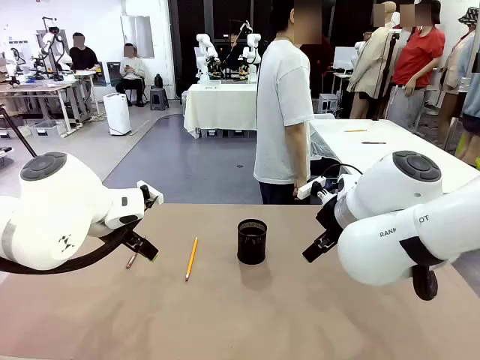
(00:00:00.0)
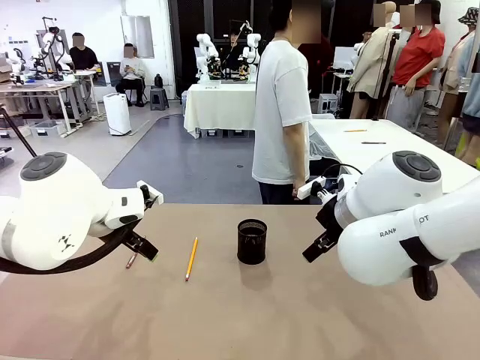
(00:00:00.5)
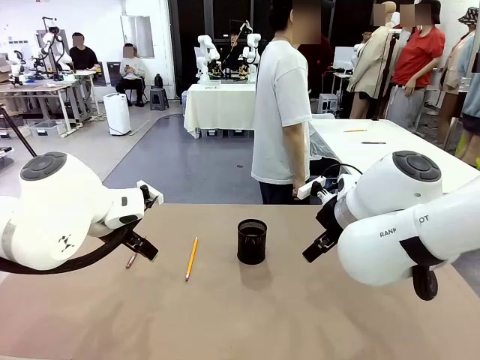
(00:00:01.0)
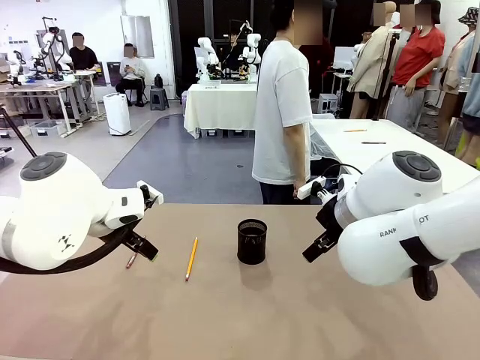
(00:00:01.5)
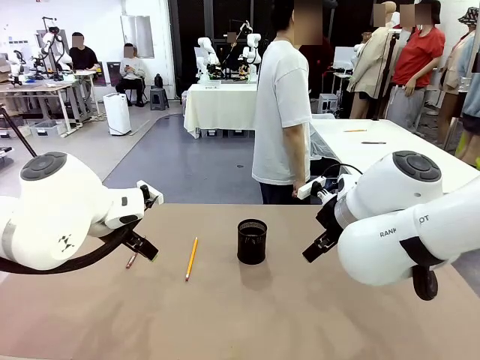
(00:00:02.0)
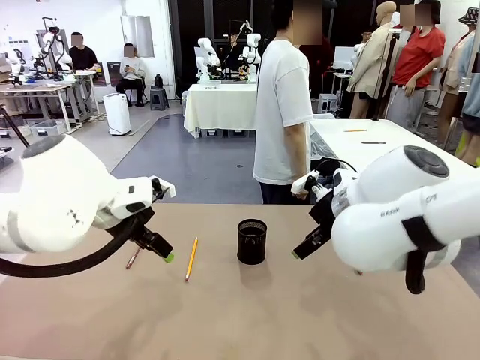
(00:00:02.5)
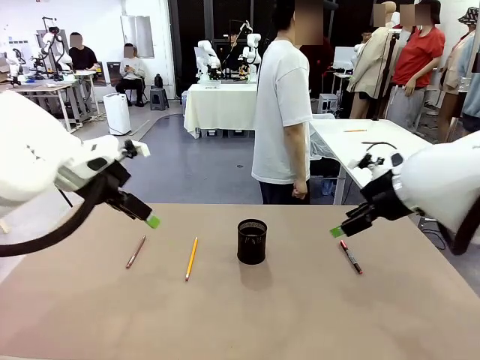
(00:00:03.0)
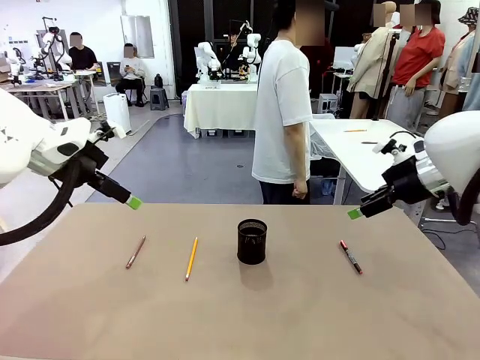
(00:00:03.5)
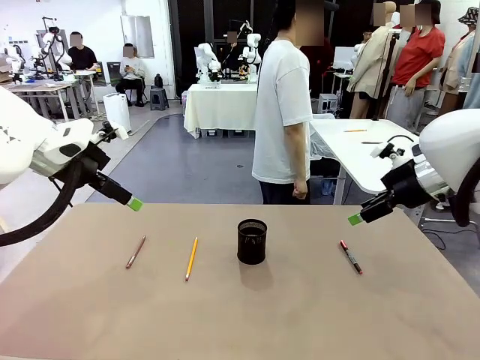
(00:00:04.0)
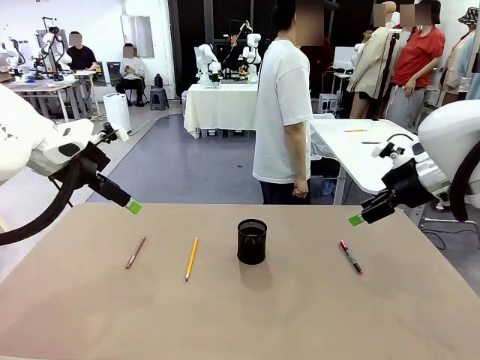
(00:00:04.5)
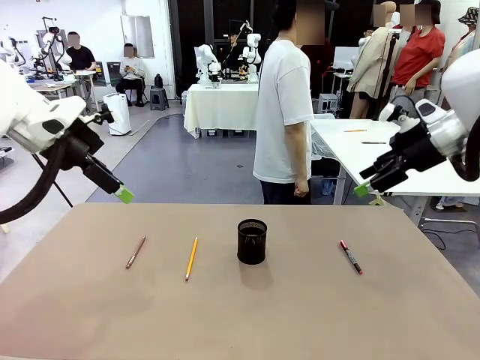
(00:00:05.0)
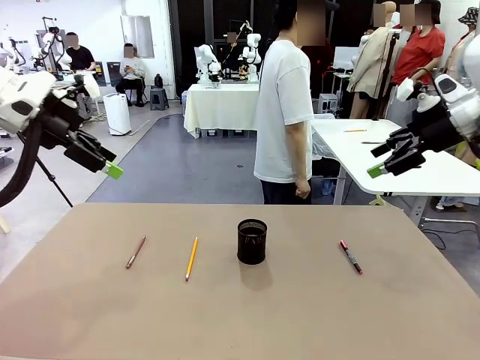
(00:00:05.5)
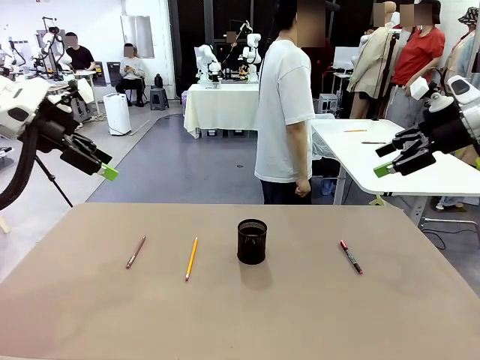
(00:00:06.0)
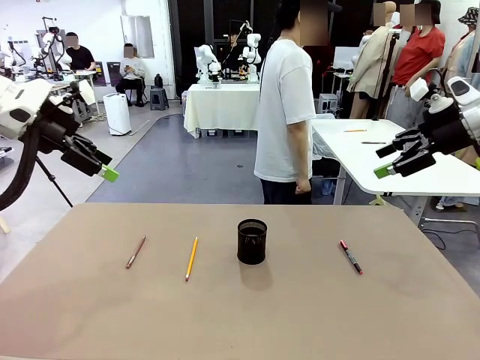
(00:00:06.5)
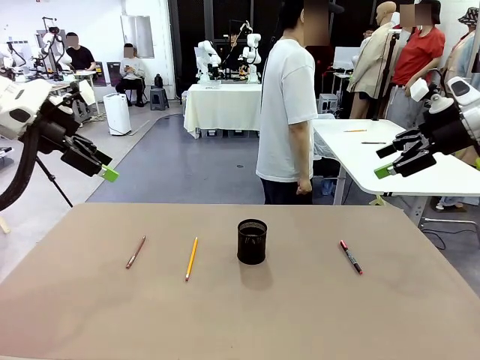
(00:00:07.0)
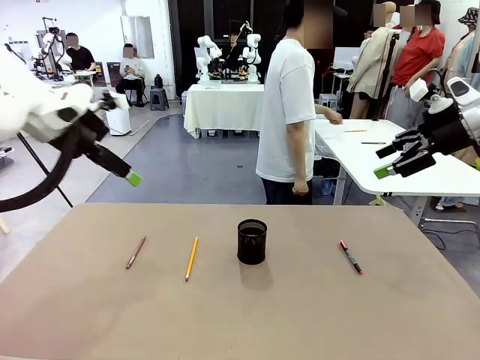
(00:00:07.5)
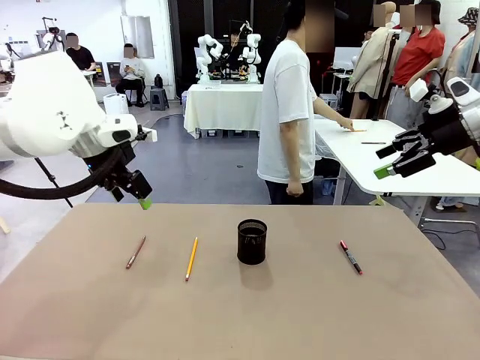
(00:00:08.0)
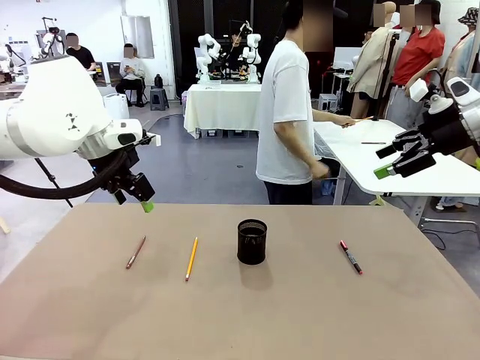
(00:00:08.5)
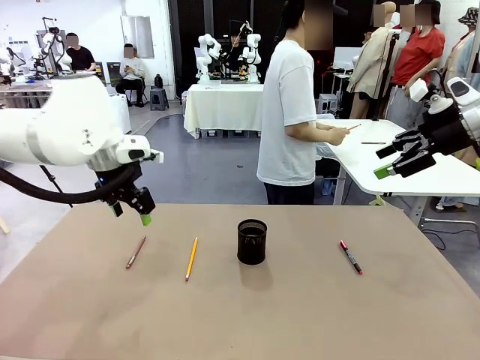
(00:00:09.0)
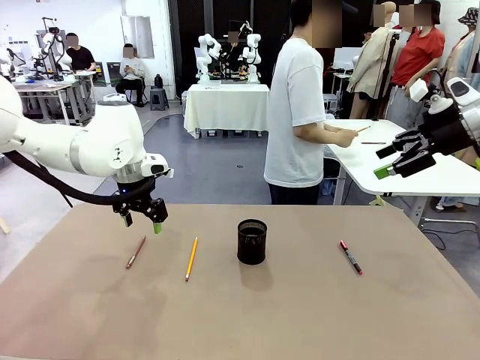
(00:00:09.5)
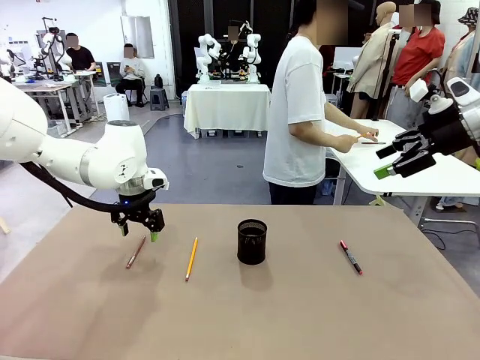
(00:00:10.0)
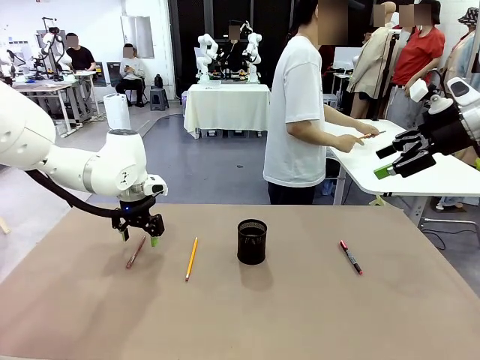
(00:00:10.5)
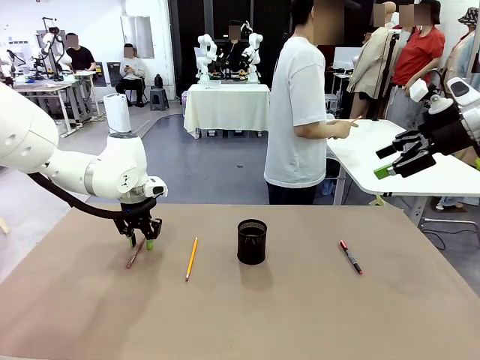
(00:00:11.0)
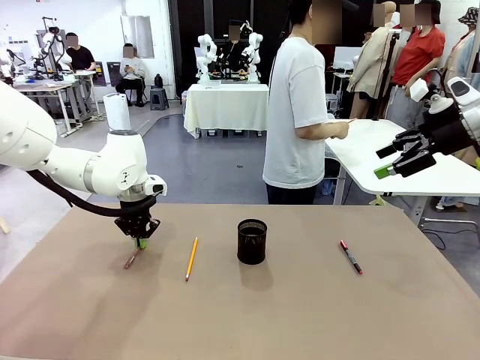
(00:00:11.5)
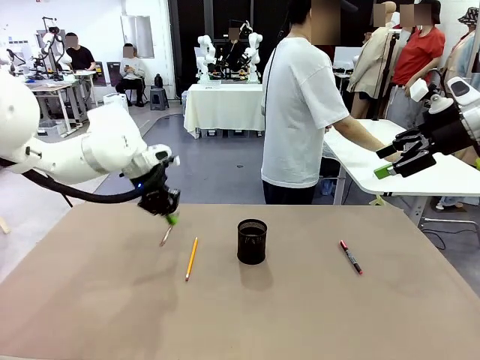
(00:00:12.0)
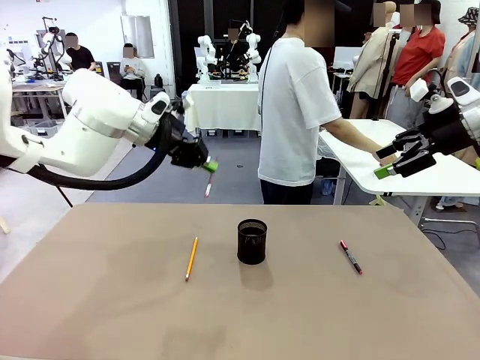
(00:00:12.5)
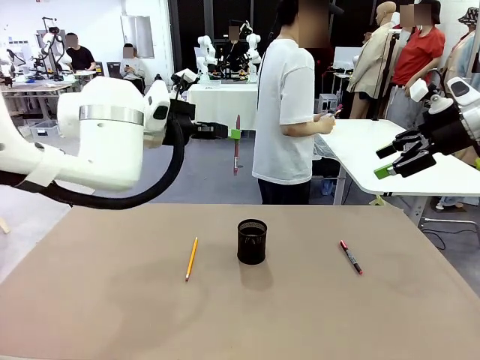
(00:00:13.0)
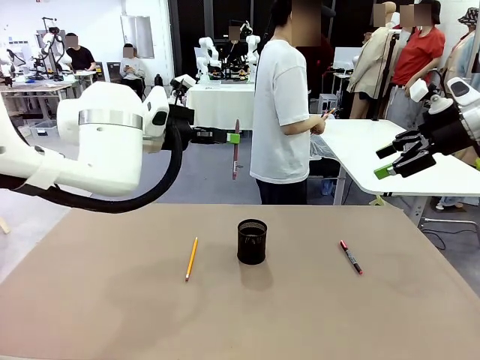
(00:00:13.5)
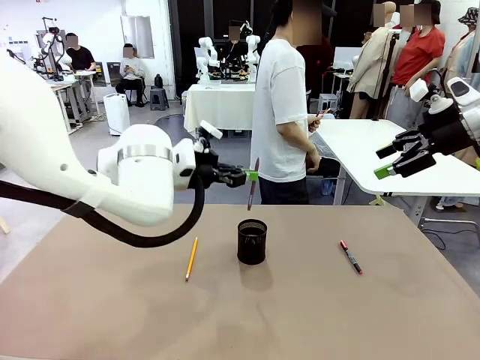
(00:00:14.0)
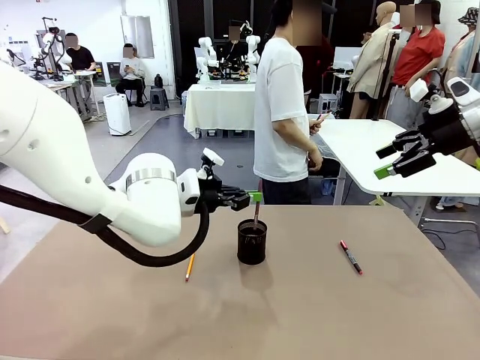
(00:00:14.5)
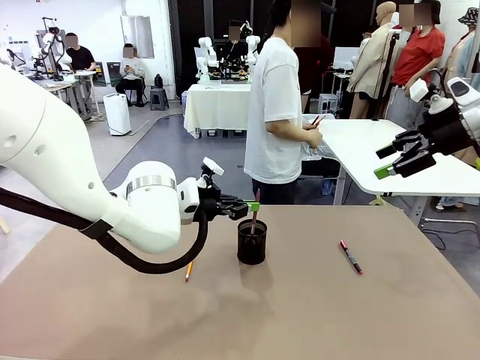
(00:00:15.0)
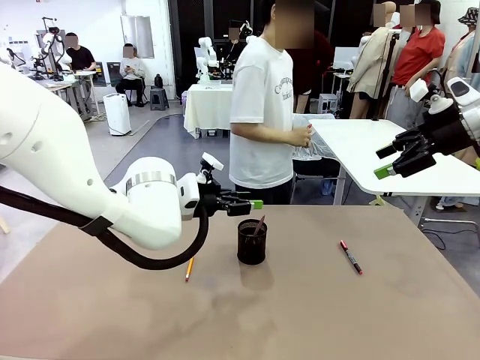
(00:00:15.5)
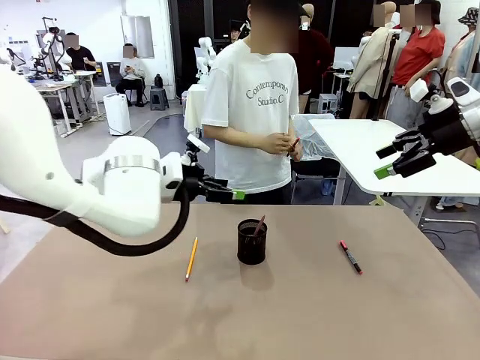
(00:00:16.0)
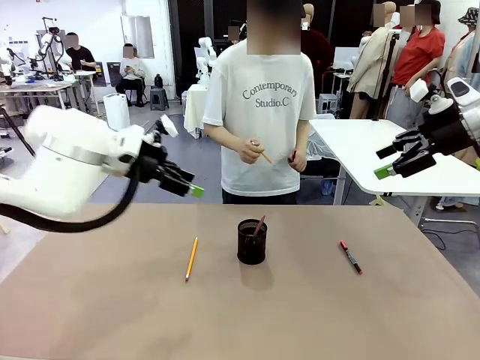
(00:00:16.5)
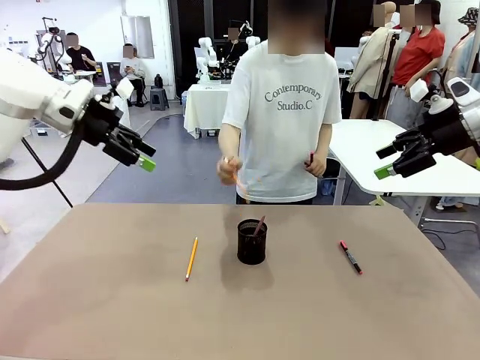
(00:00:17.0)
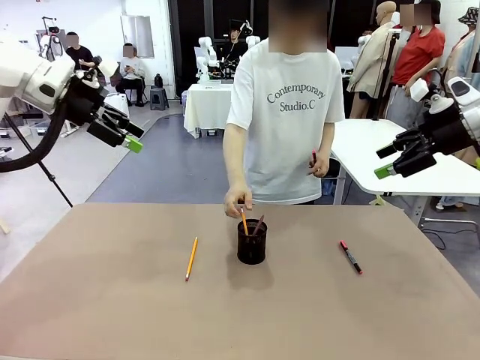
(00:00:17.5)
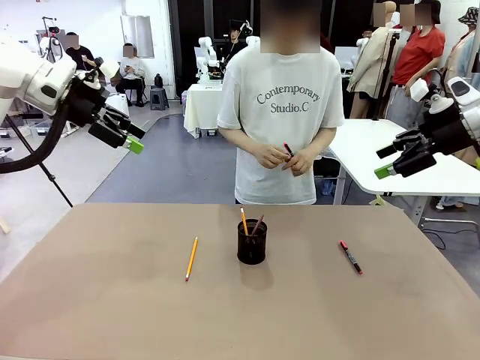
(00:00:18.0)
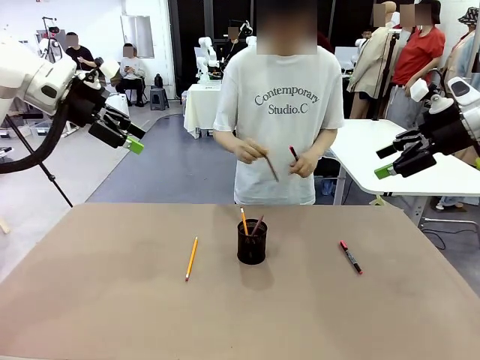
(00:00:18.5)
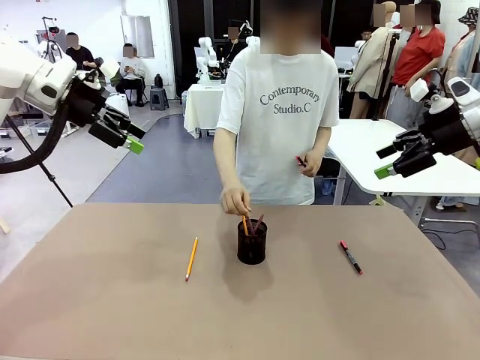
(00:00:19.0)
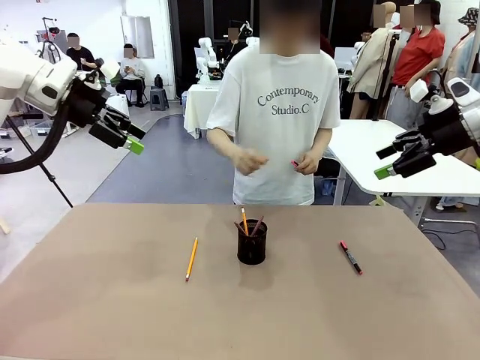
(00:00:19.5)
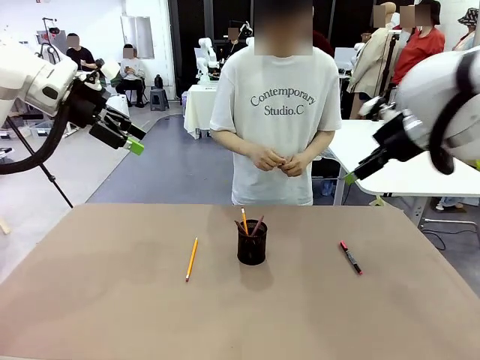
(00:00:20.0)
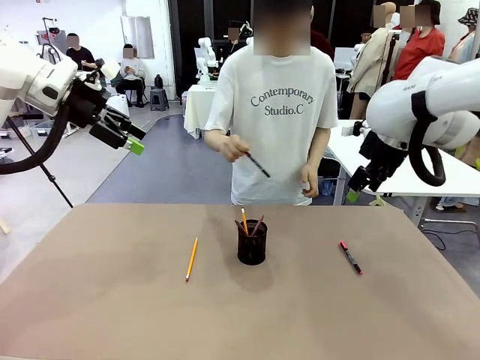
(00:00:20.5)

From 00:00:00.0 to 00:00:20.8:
Task: Place the pens into the pen holder.
Robot: Pick up a writing instrument from the table and place it into the Pen holder.
Person: Pick up all writing instruments from the Human table.

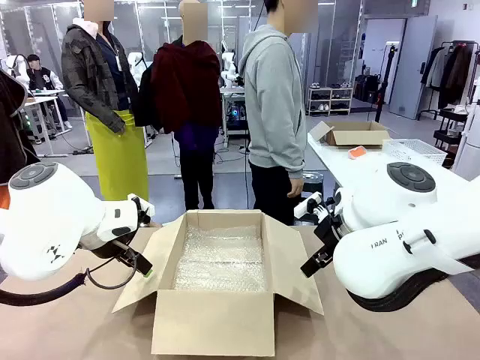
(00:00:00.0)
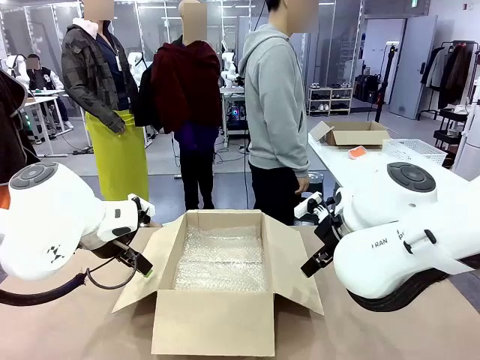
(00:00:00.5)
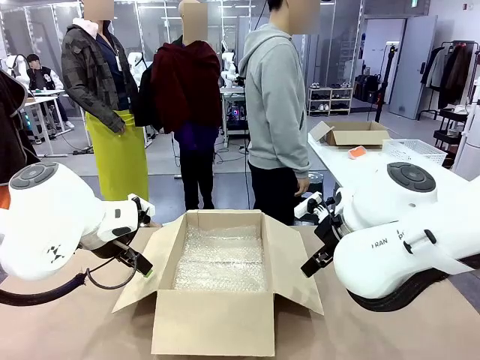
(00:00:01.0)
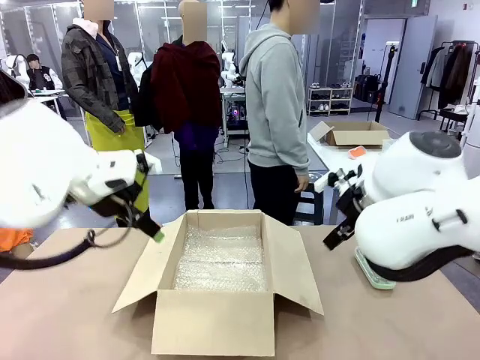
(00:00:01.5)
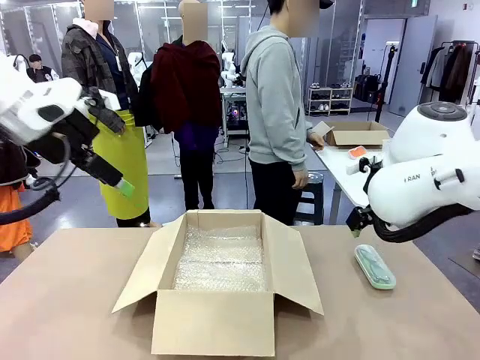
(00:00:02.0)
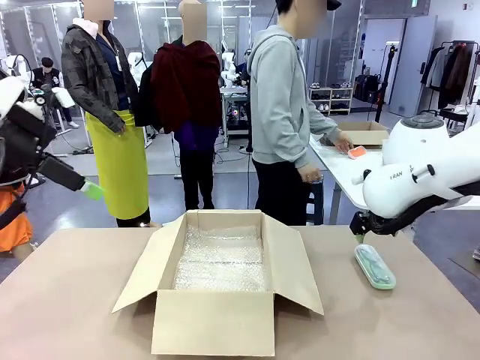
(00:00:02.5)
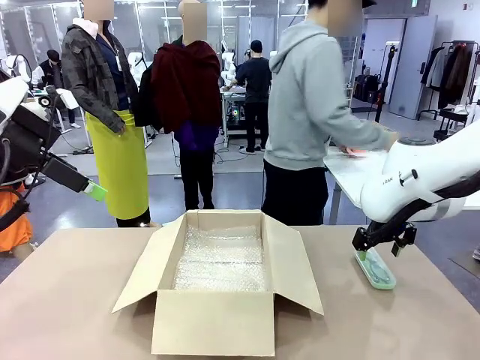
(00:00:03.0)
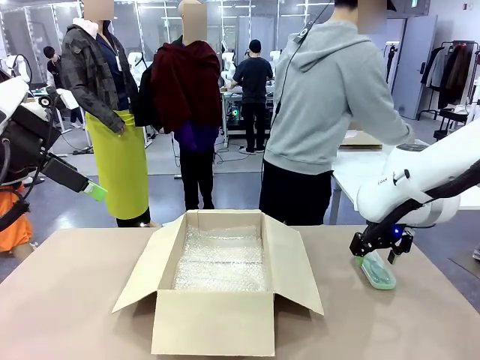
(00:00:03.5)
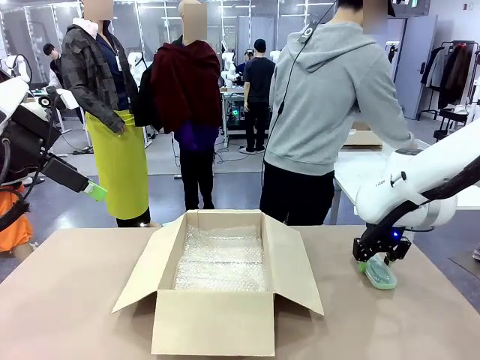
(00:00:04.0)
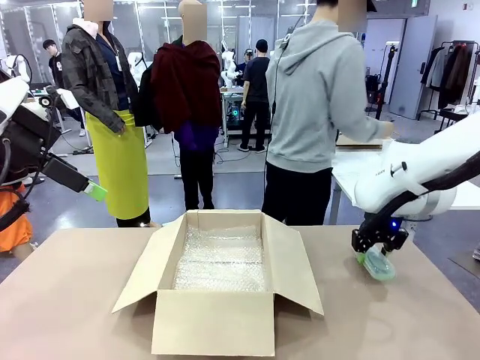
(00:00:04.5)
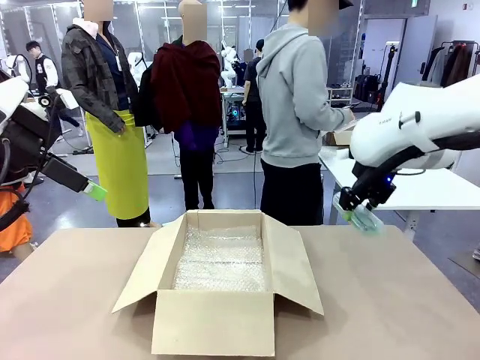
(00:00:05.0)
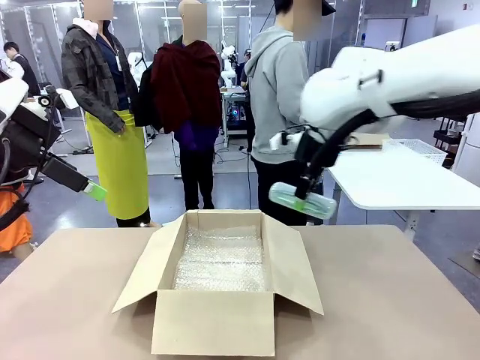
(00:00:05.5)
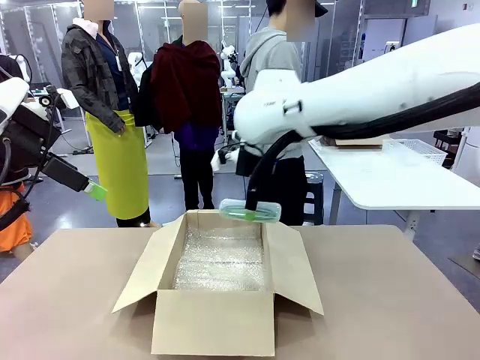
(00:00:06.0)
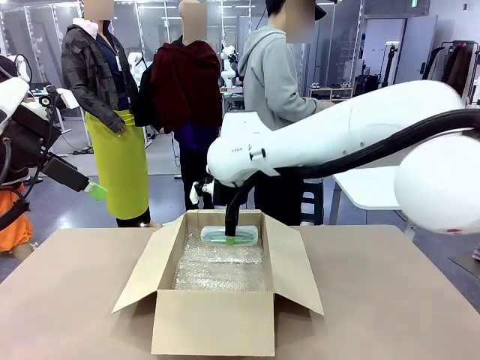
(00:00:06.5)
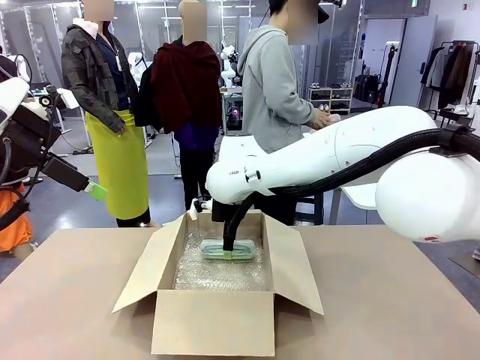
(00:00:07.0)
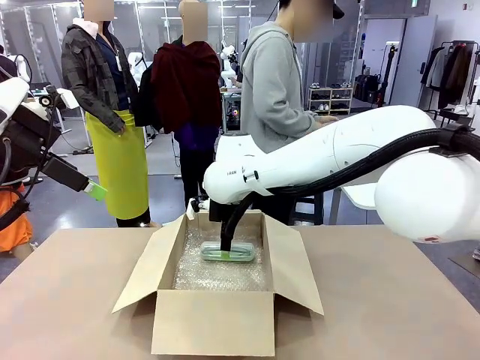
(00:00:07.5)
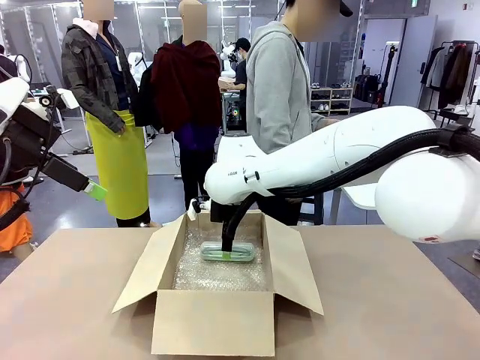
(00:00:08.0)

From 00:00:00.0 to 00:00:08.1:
Task: Pack the glasses set securely to prepare it for shipping.
Robot: Place the Glasses case inside the Package Box.
Person: Place the Glasses inside the Glasses case.
